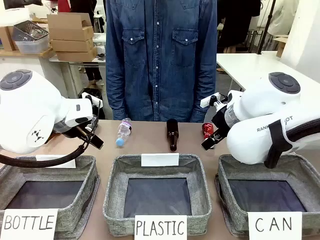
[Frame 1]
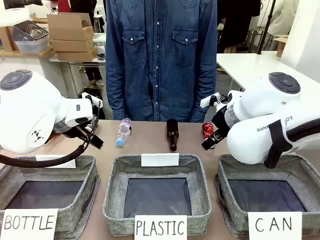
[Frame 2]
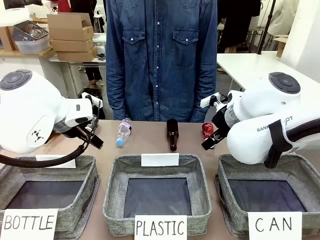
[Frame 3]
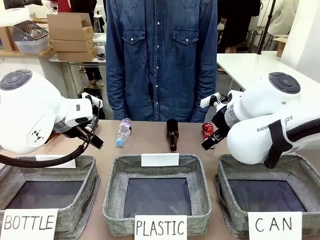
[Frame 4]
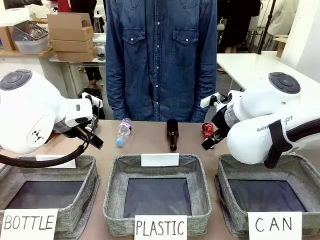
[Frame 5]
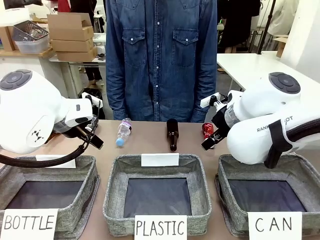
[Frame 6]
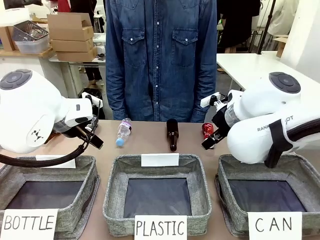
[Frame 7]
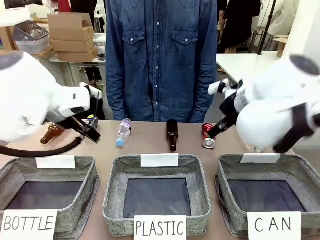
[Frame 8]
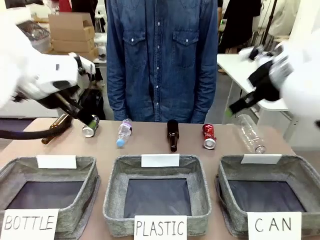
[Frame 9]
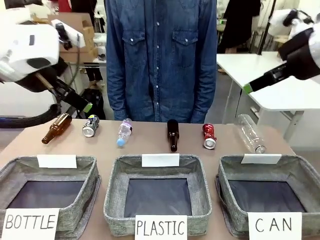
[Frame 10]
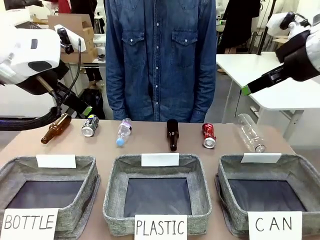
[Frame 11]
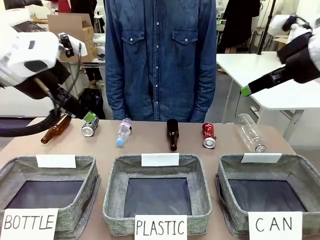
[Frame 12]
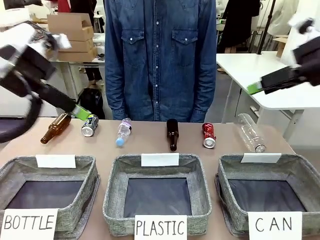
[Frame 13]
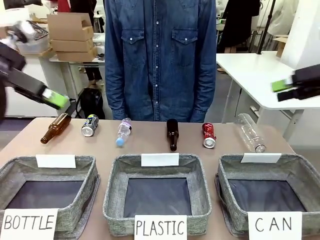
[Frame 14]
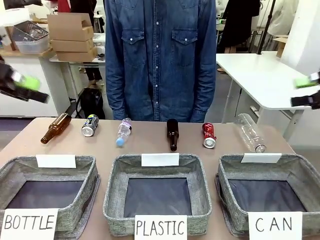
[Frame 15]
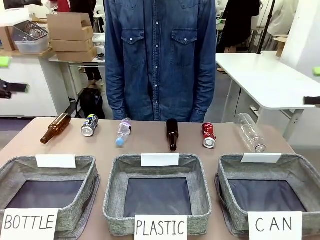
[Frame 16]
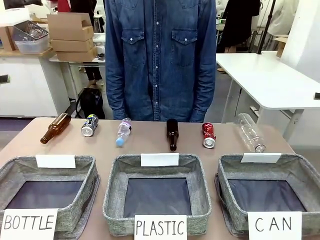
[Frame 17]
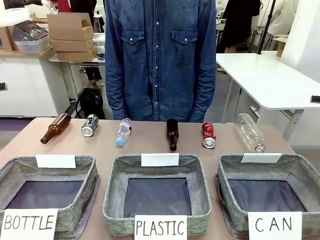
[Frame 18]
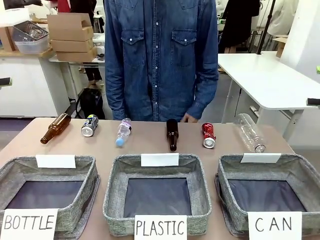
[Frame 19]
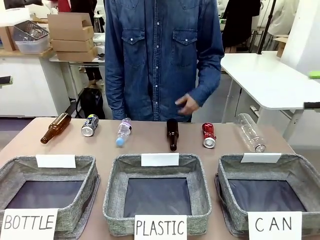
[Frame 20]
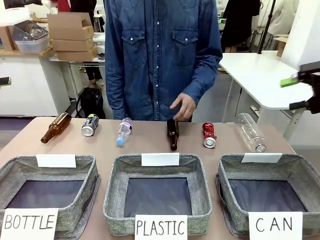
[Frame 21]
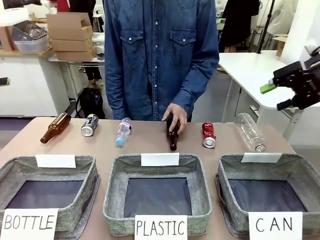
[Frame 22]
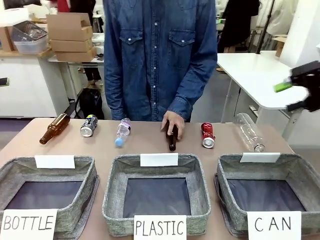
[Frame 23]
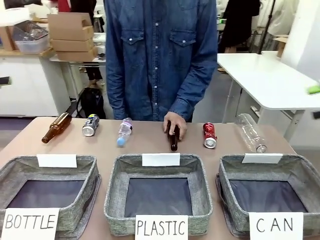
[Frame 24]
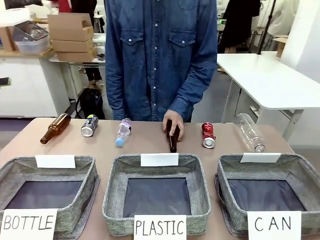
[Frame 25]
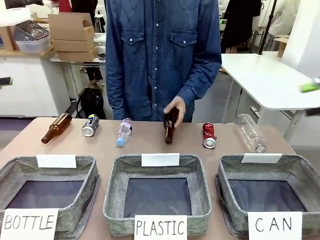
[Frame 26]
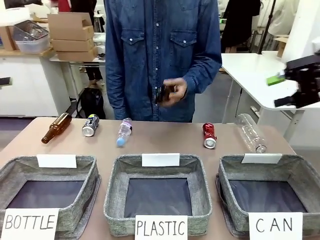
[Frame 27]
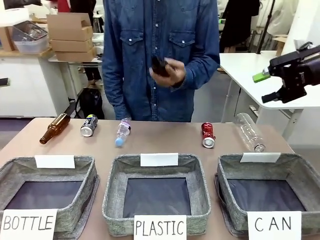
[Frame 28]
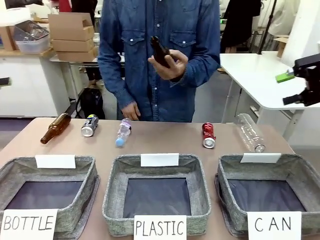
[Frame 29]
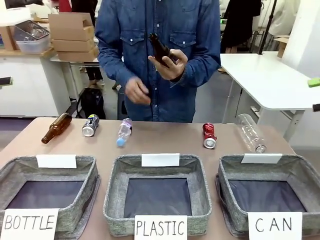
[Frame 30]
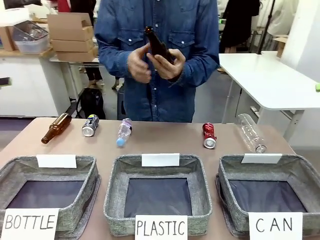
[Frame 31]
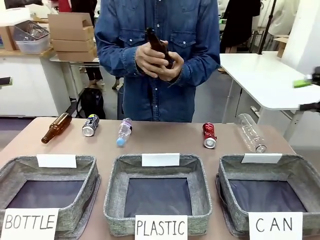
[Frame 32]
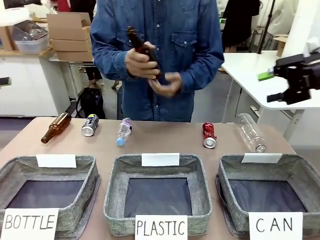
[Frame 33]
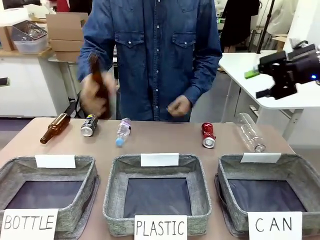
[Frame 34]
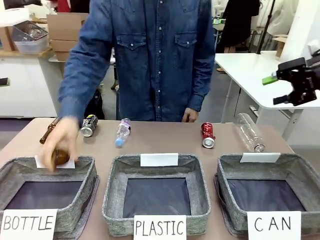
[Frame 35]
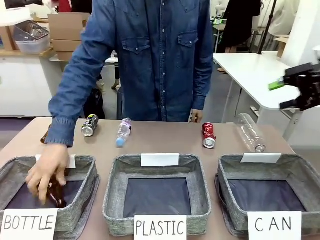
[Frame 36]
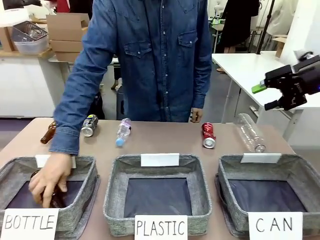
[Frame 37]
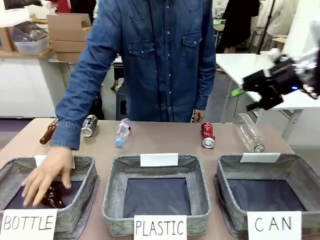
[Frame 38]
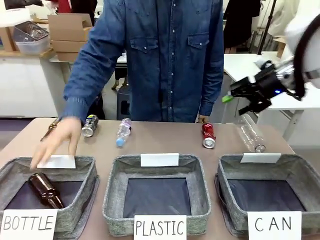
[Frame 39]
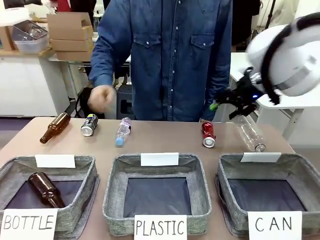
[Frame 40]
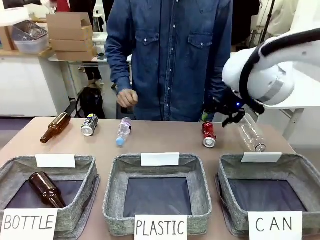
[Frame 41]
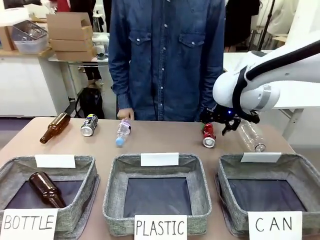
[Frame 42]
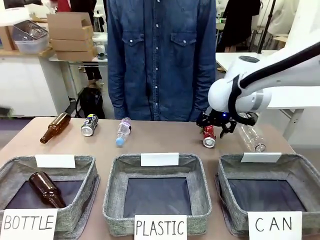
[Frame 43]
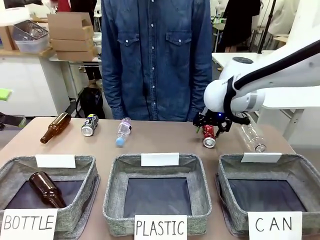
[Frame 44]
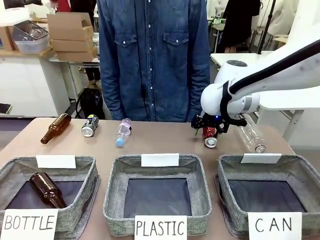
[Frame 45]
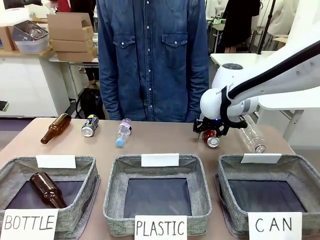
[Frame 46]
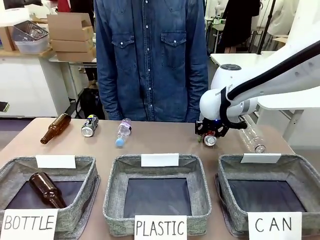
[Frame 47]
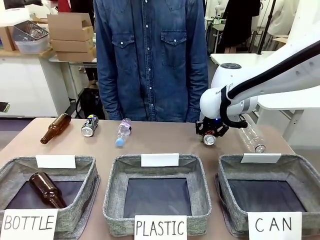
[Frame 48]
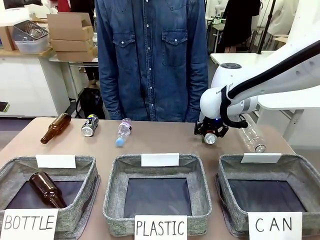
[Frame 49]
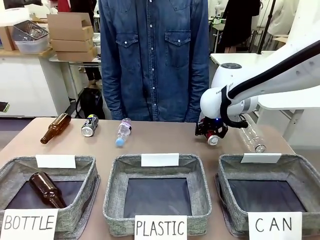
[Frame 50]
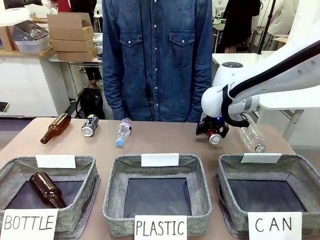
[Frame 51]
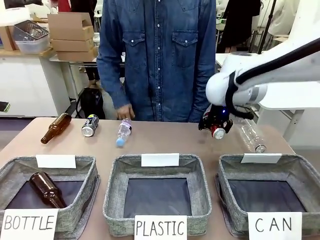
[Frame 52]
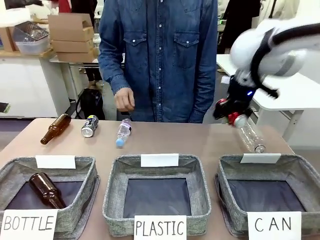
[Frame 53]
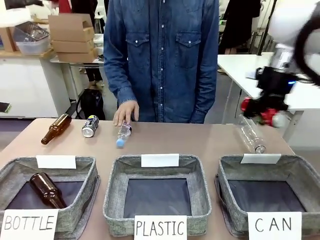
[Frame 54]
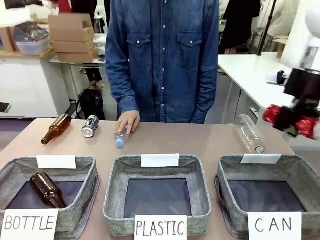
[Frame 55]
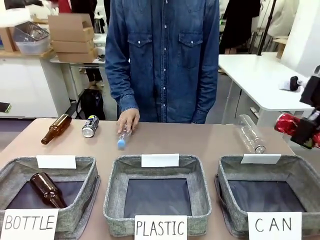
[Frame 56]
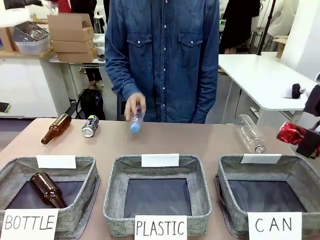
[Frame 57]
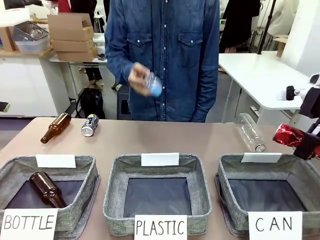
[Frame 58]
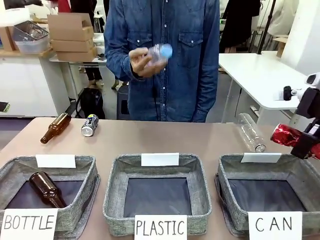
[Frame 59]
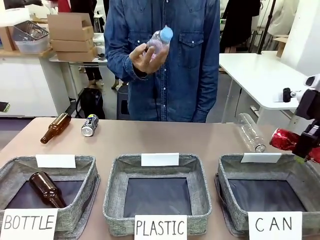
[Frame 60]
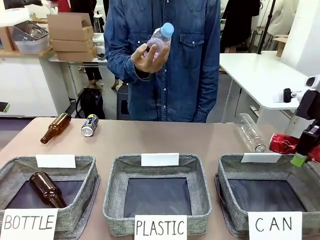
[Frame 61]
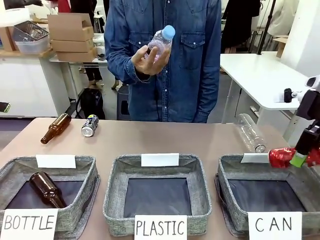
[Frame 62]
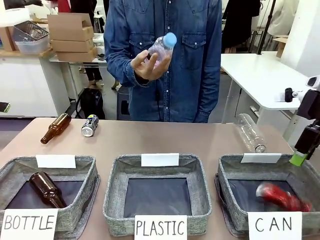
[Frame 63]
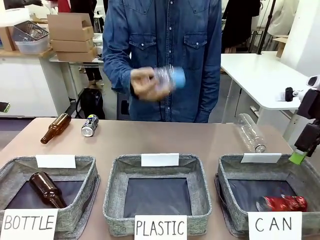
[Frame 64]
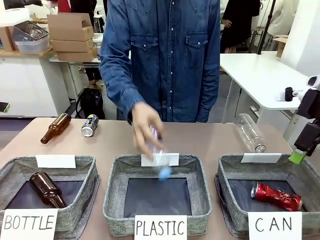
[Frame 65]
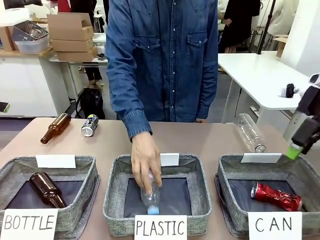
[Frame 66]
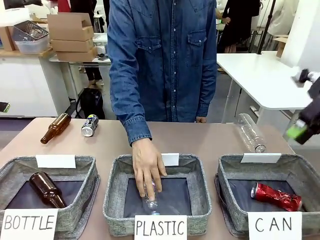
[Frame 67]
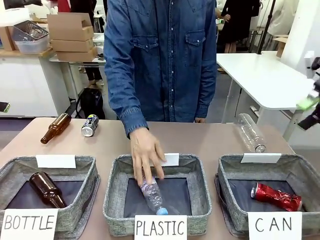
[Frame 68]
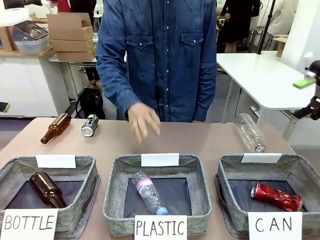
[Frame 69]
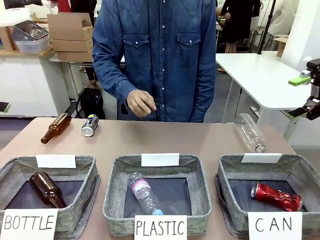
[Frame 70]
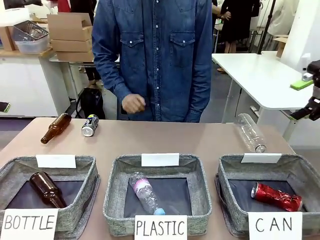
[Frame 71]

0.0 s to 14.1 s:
Task: Sort the can waste into the basket.
Robot: Pick up the can waste from the table and place it in the right Fabric basket.
